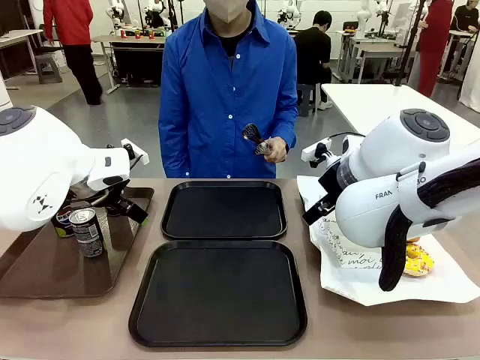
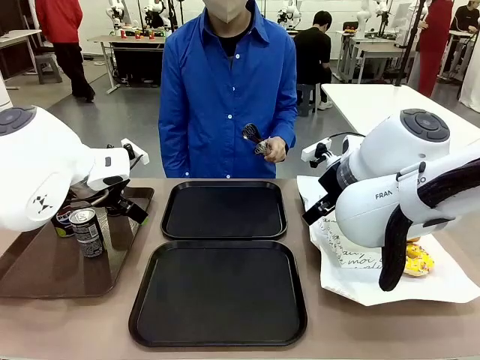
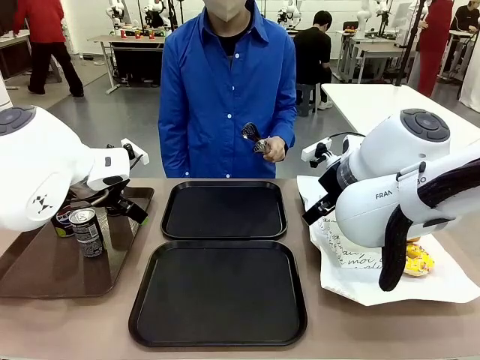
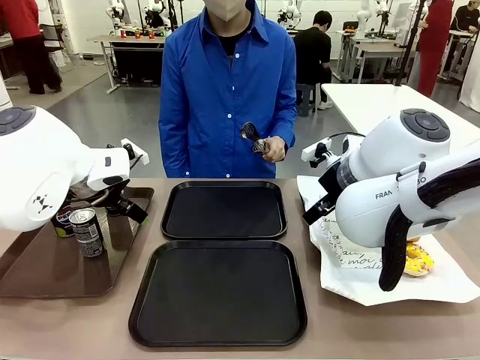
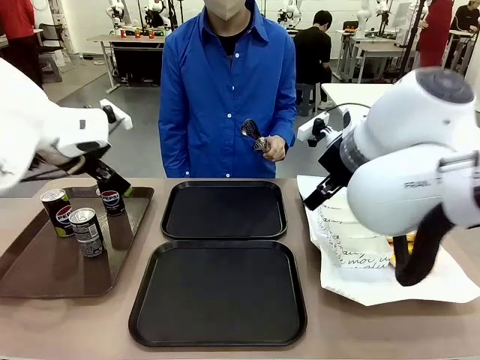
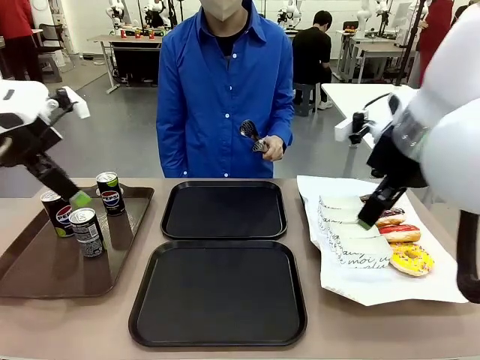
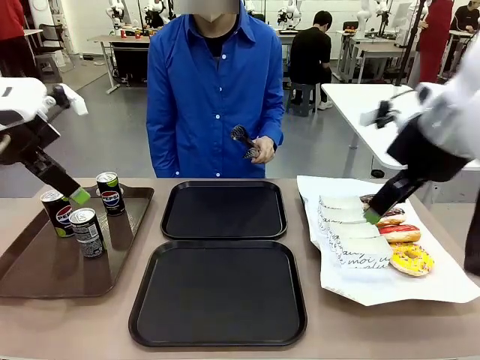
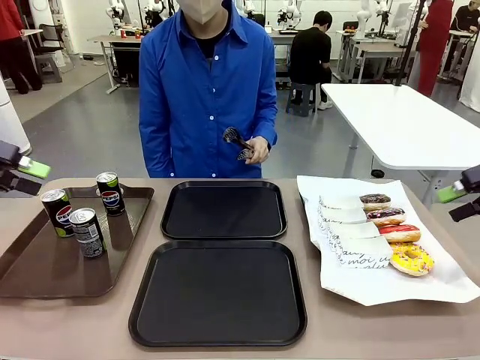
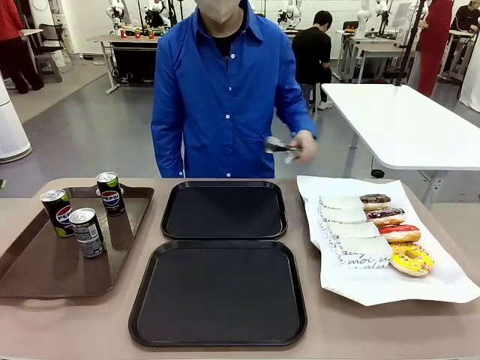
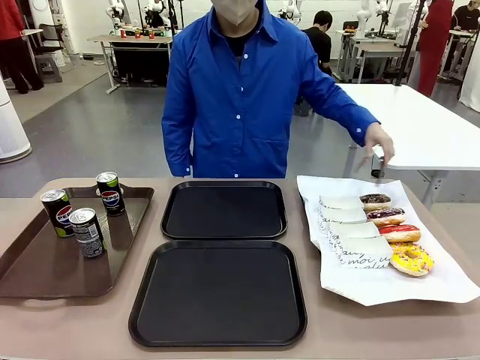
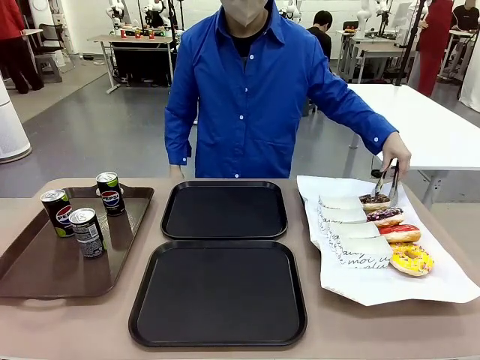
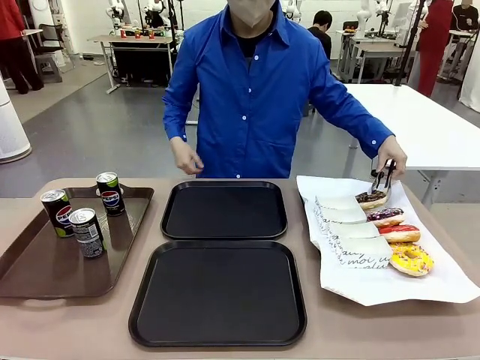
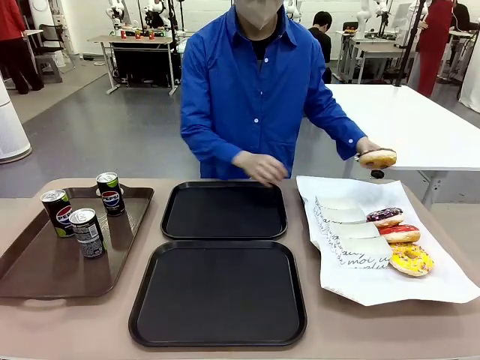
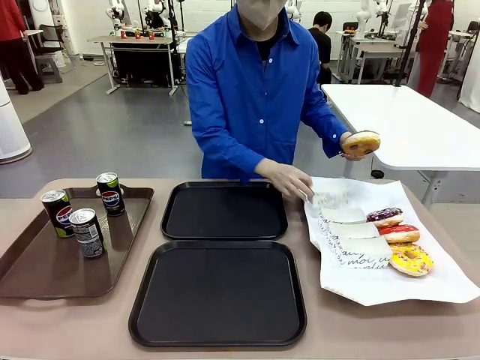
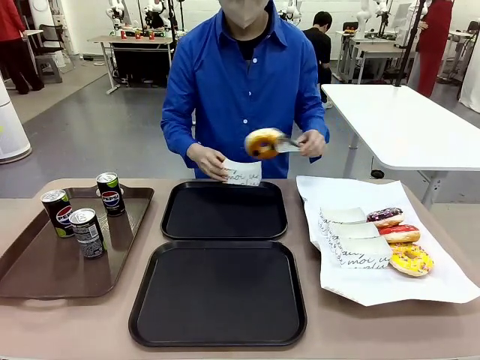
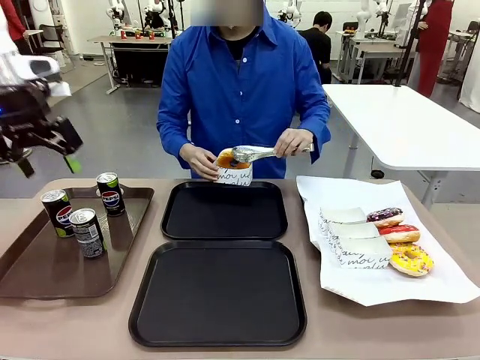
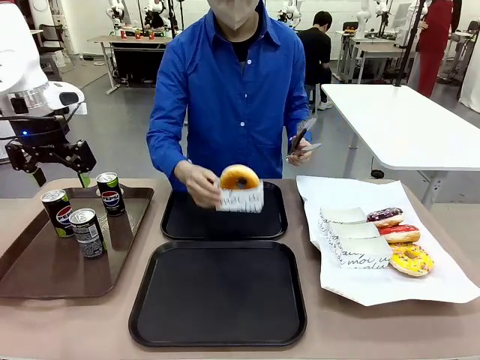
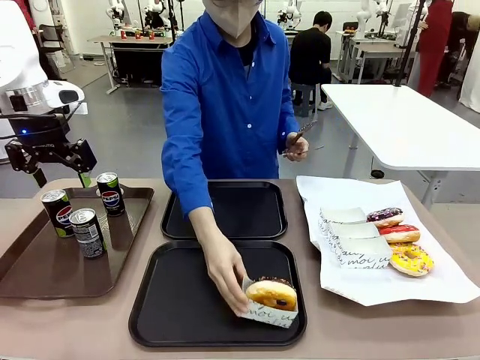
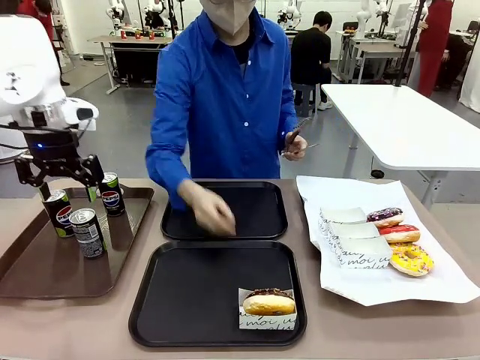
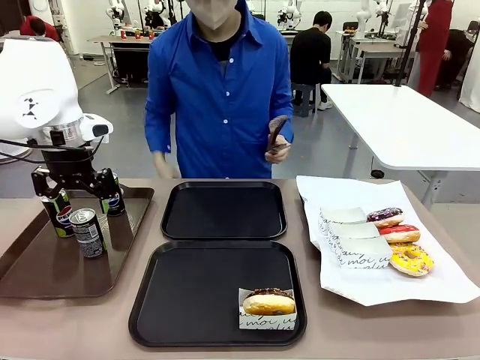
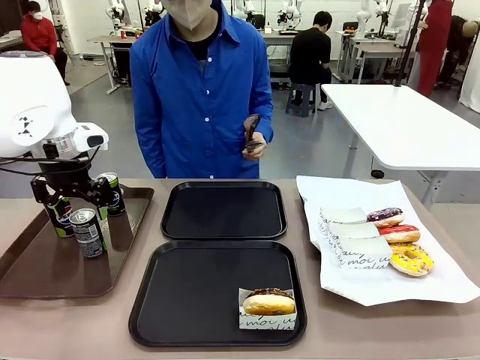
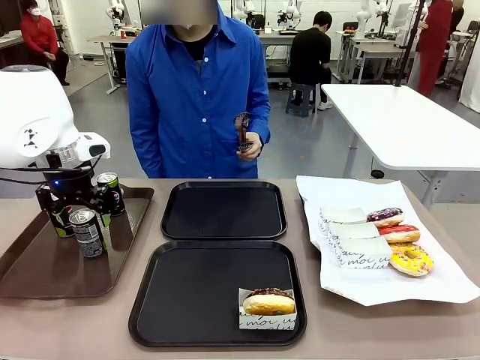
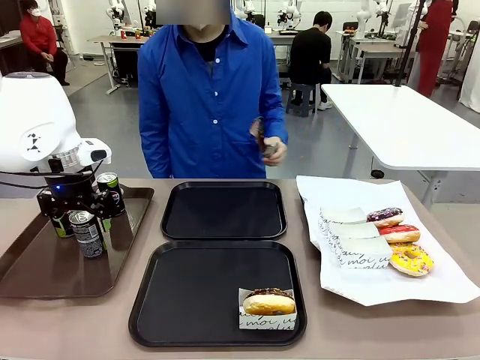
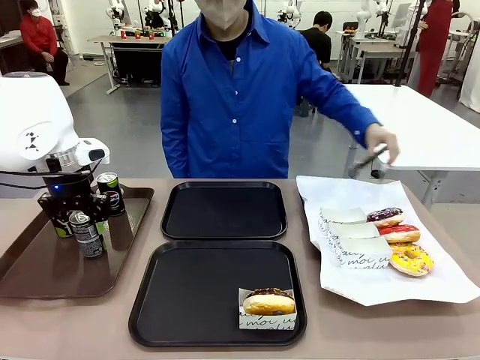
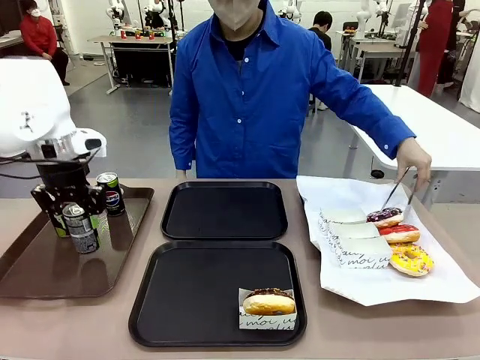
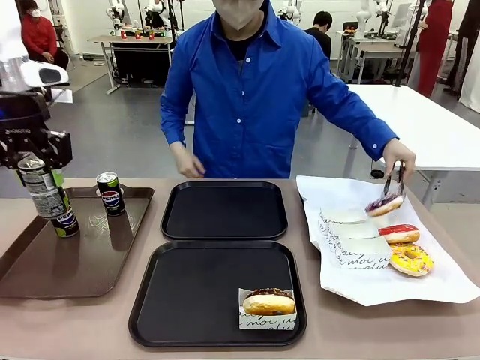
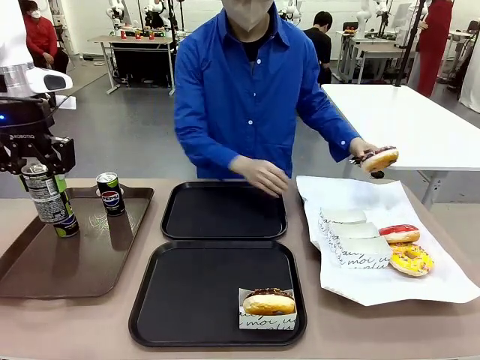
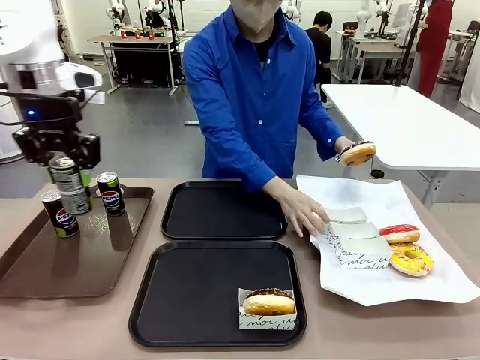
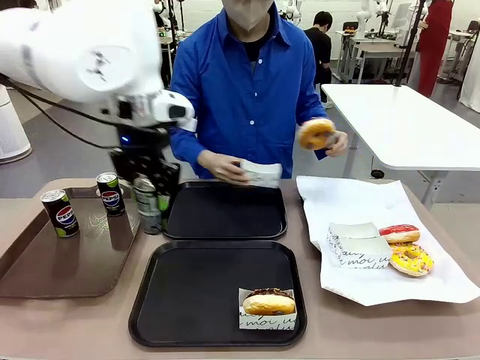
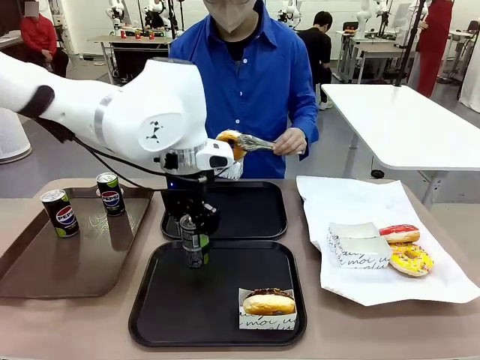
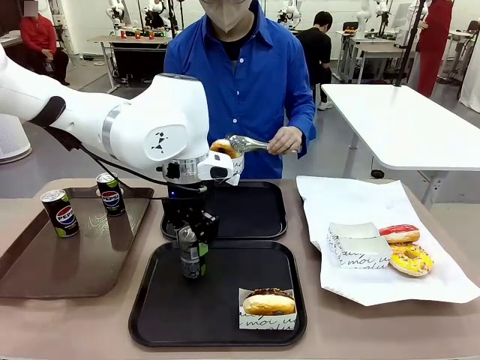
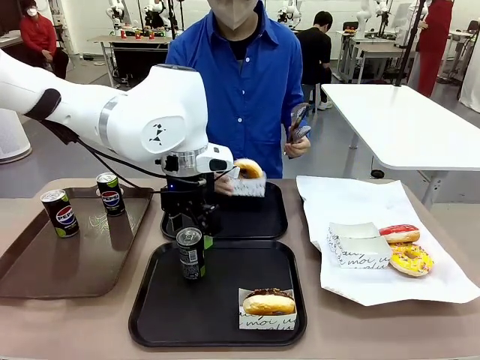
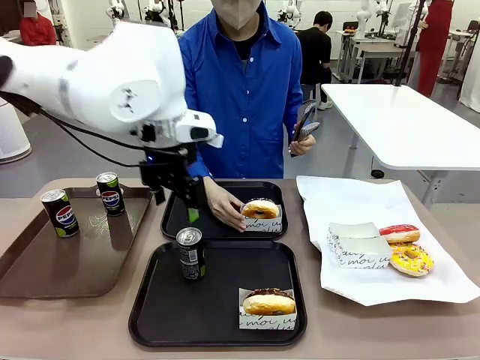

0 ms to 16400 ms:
Task: Set up donuts and drinks on trays.
Robot: Pick up one Pepsi coke and place it on the Flat Tray.
